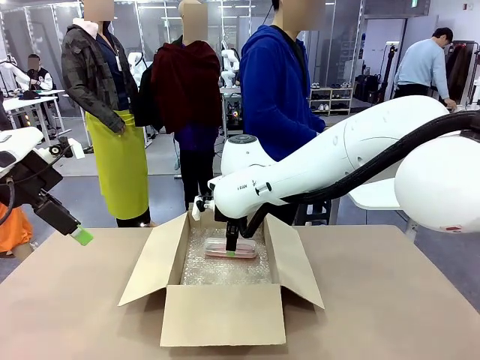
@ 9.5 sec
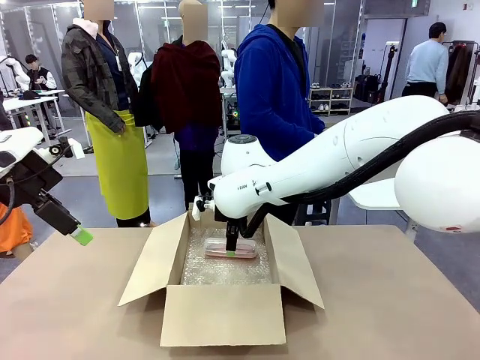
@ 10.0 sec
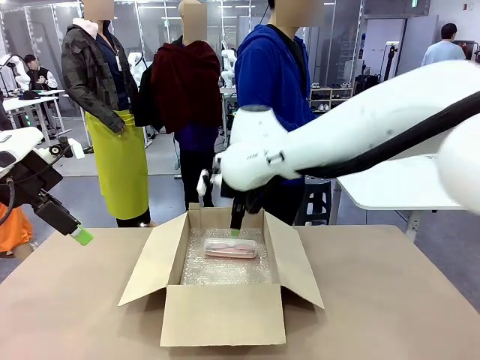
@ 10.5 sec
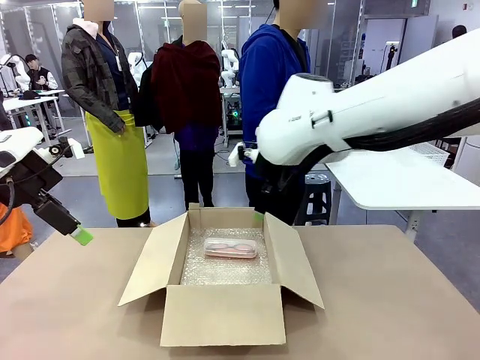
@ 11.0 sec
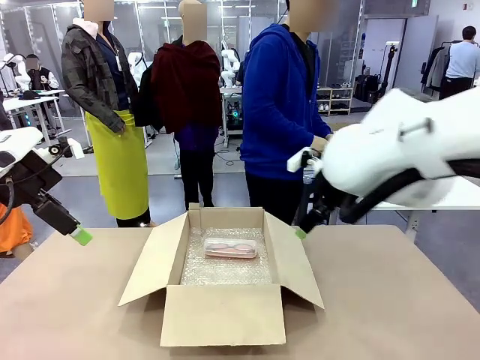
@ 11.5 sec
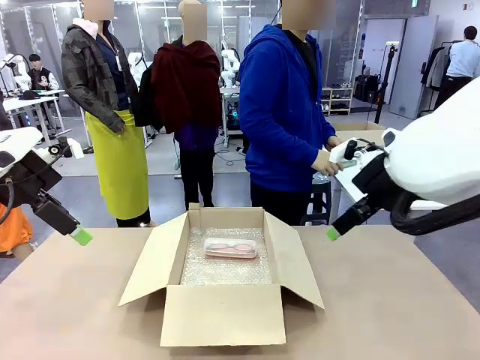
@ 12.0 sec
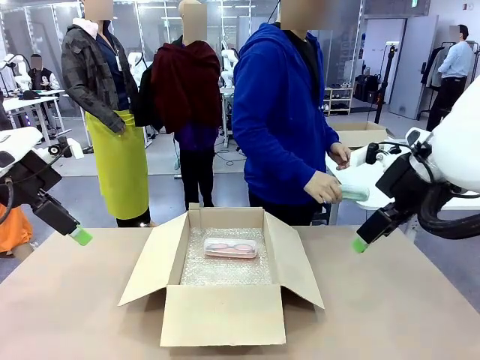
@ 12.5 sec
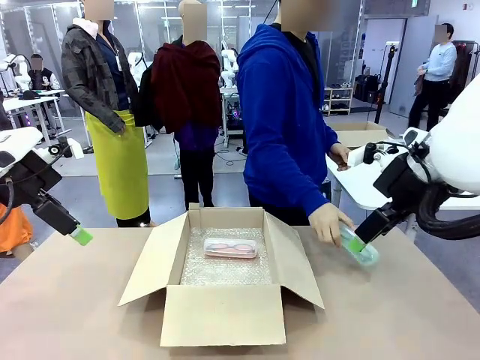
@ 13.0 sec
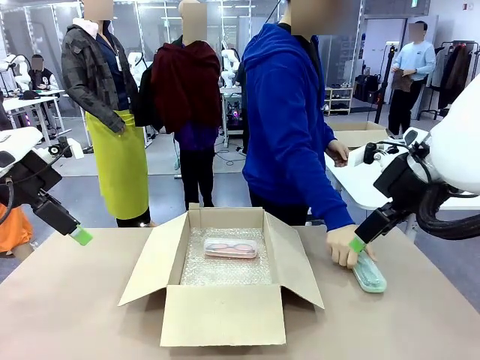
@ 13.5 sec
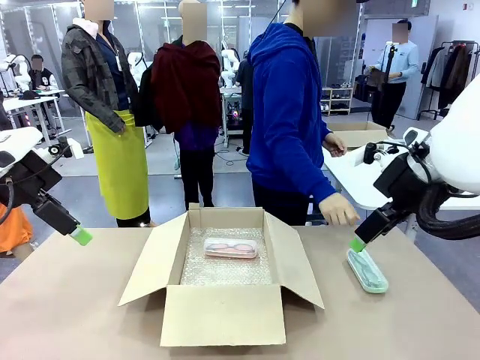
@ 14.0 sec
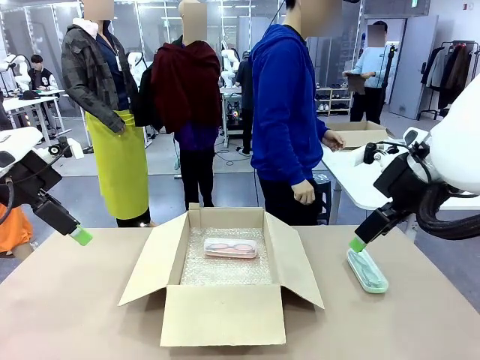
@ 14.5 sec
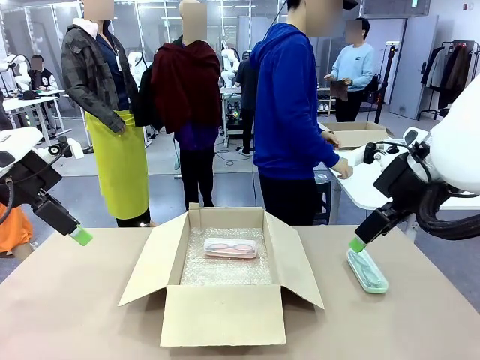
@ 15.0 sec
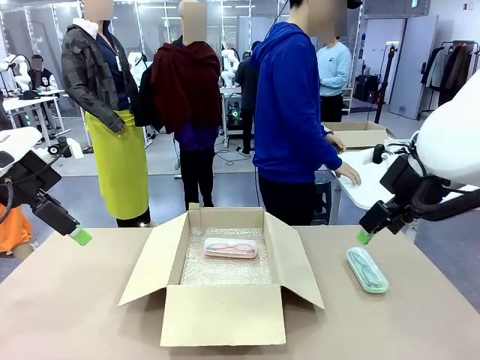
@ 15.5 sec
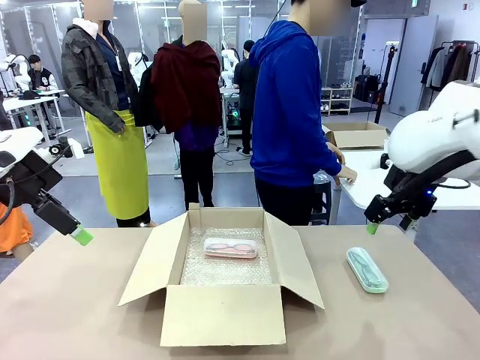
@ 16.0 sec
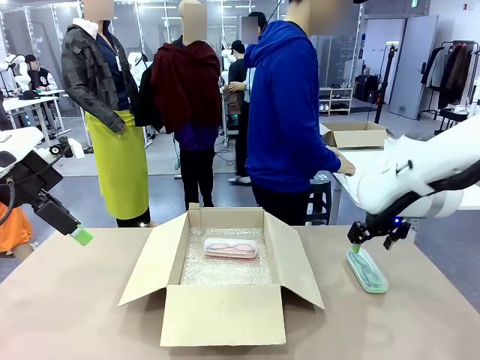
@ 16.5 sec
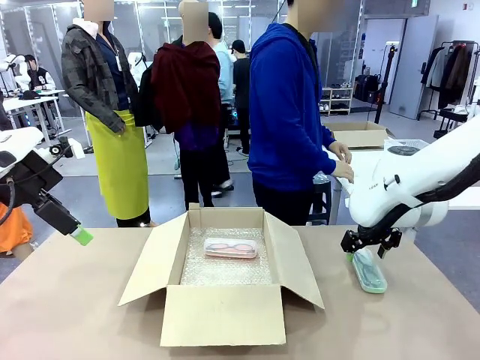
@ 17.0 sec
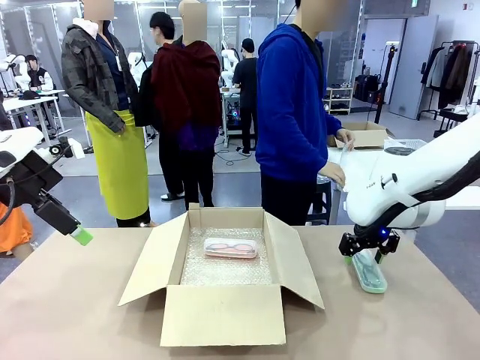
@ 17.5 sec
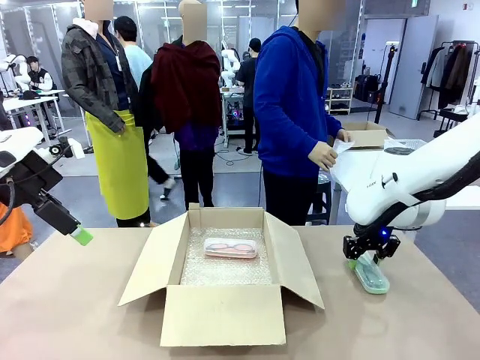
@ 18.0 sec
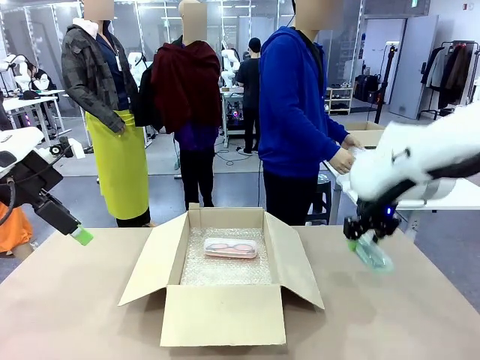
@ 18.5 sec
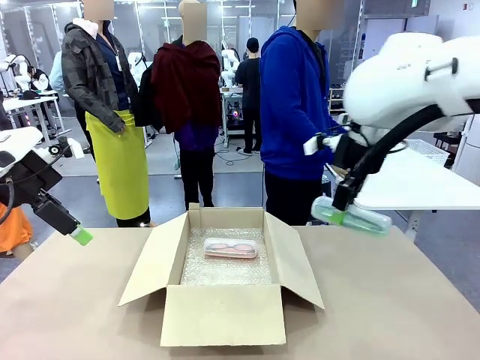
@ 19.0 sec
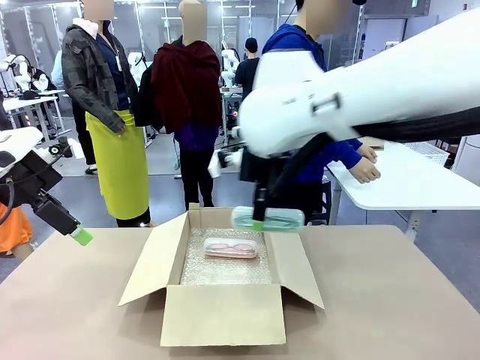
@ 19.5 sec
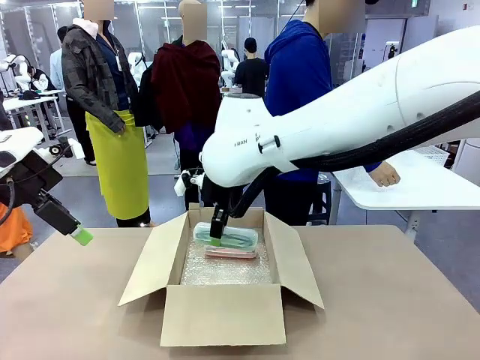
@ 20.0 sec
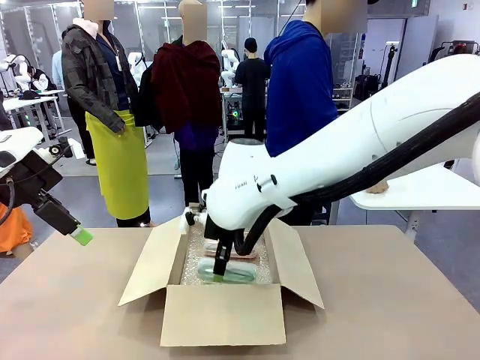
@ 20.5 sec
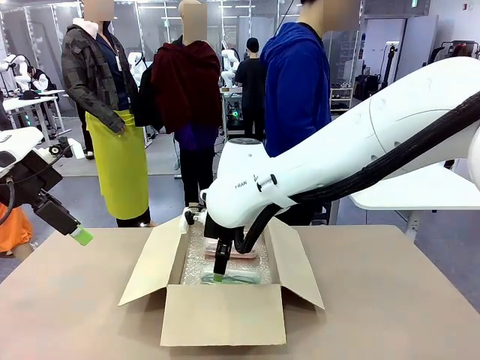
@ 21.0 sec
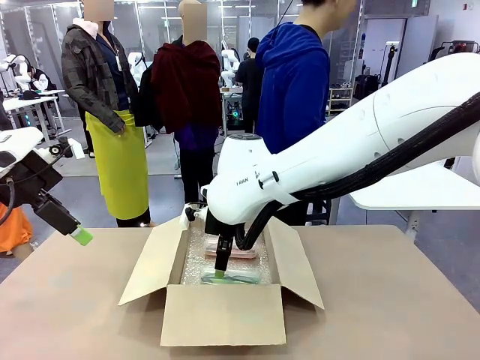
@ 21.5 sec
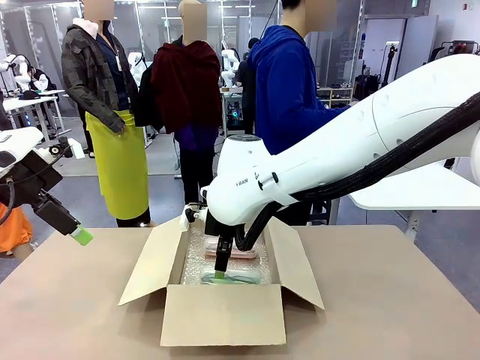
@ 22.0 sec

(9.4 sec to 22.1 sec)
Task: Pack the glasses set securely to prepare it for shipping.
Robot: Put the Glasses case from the right side of the table into the Package Box.
Person: Position the Glasses case on the left side of the robot's table.

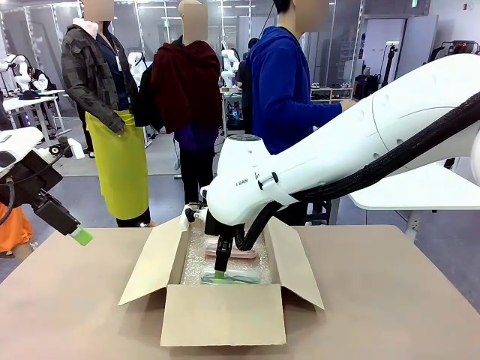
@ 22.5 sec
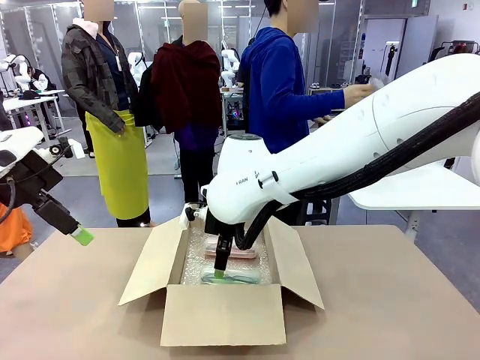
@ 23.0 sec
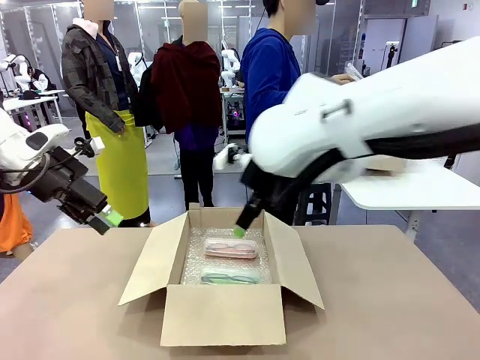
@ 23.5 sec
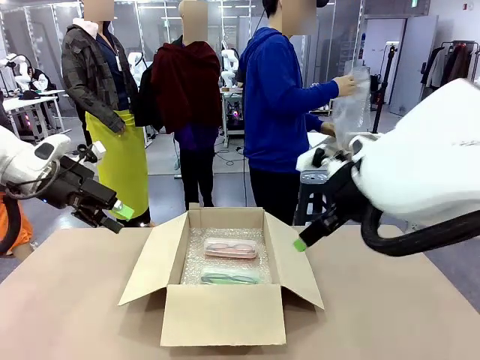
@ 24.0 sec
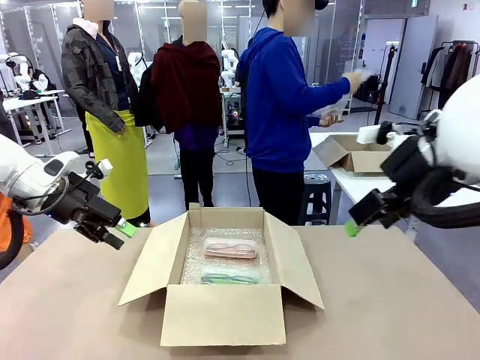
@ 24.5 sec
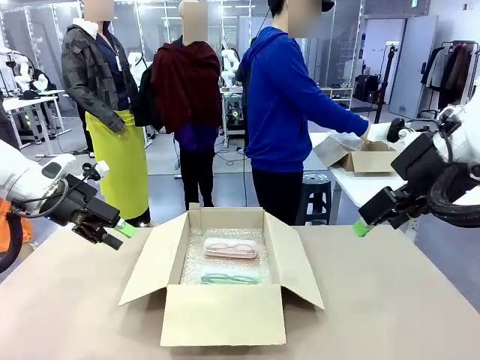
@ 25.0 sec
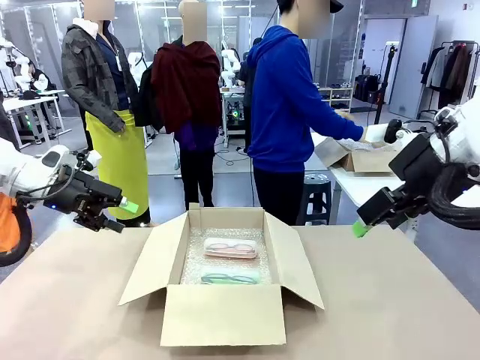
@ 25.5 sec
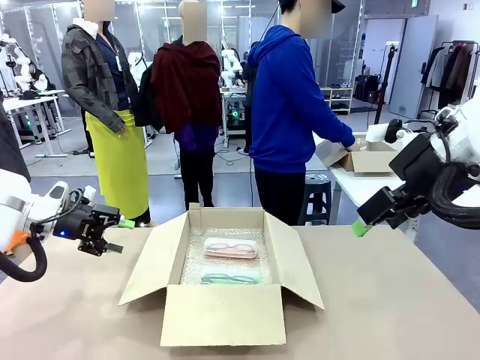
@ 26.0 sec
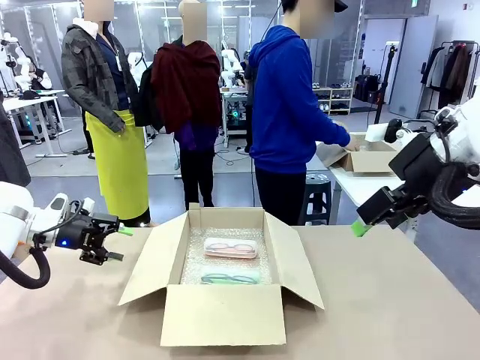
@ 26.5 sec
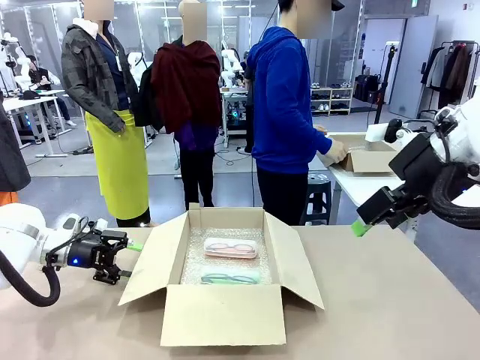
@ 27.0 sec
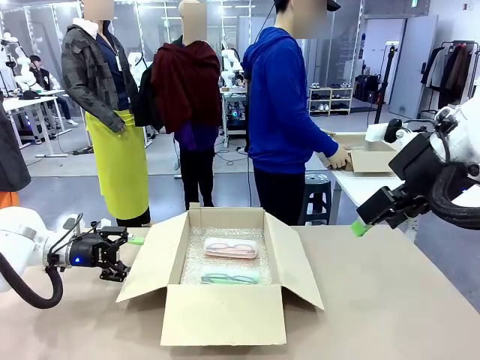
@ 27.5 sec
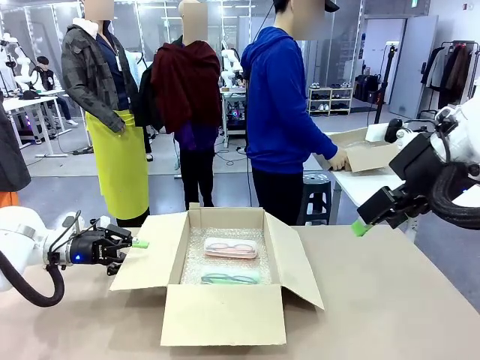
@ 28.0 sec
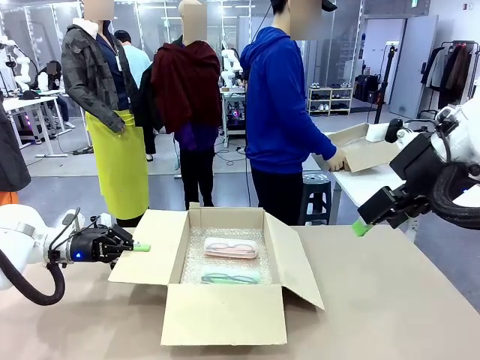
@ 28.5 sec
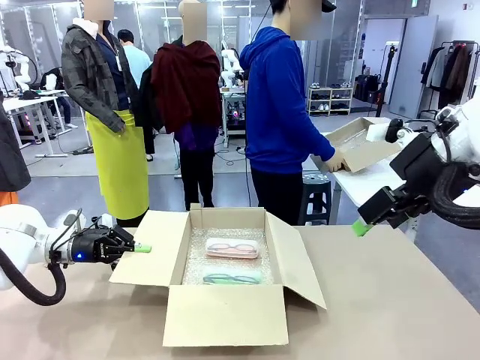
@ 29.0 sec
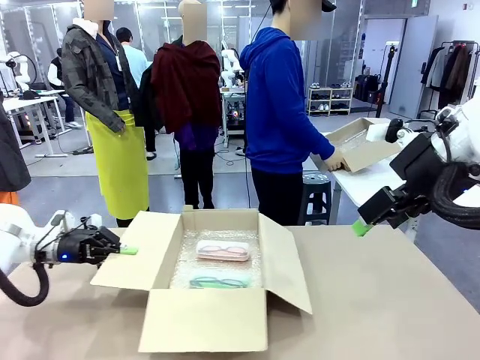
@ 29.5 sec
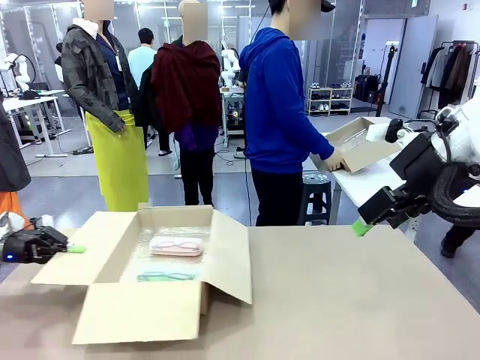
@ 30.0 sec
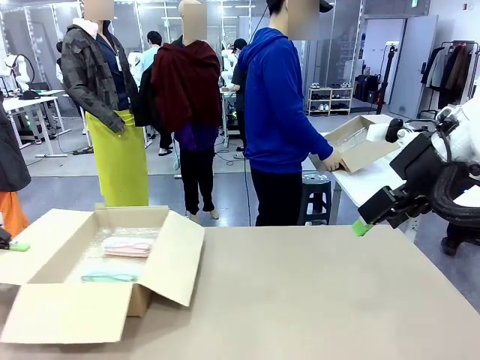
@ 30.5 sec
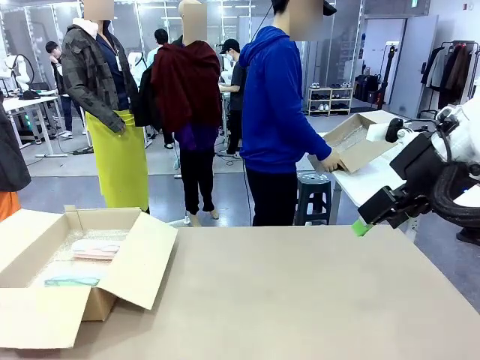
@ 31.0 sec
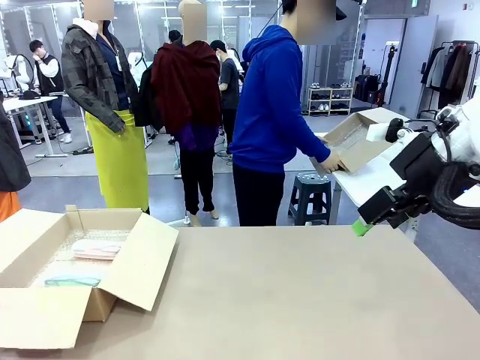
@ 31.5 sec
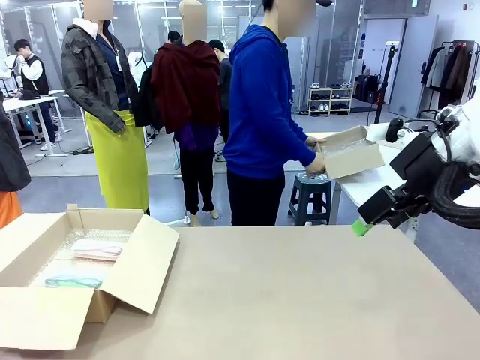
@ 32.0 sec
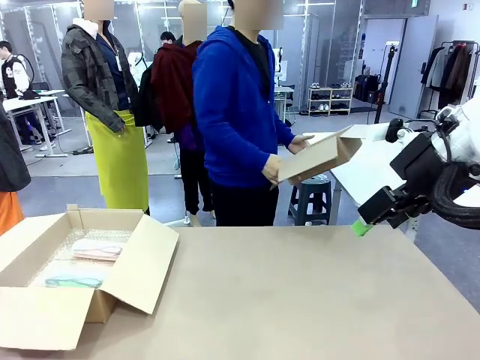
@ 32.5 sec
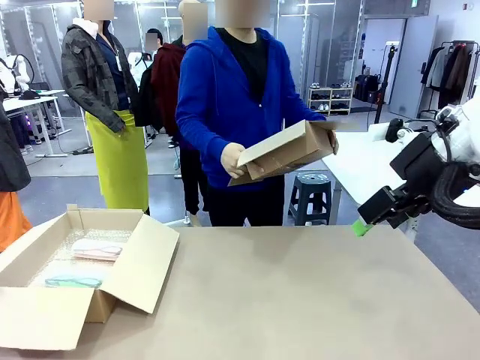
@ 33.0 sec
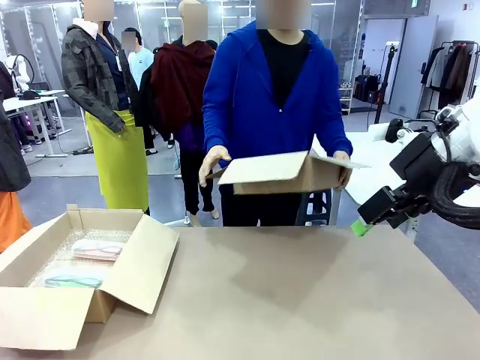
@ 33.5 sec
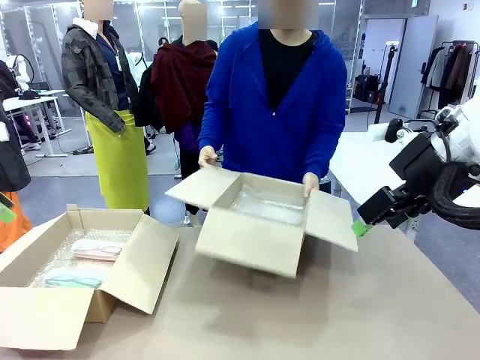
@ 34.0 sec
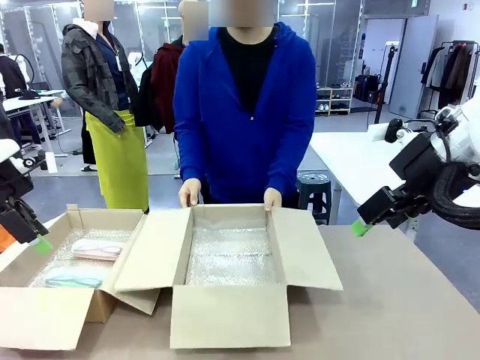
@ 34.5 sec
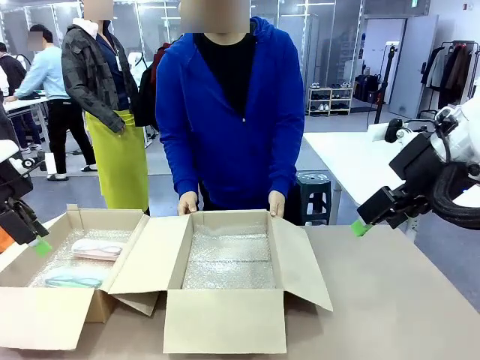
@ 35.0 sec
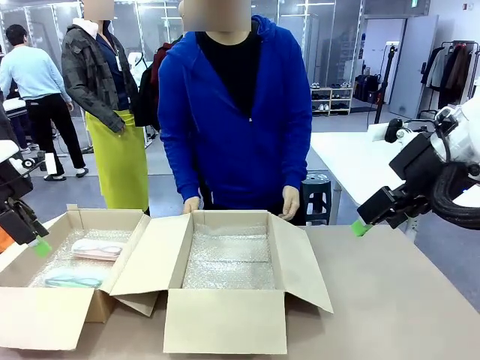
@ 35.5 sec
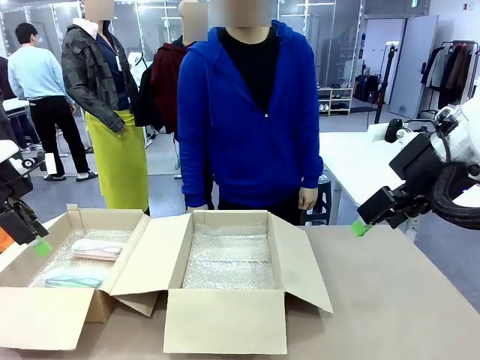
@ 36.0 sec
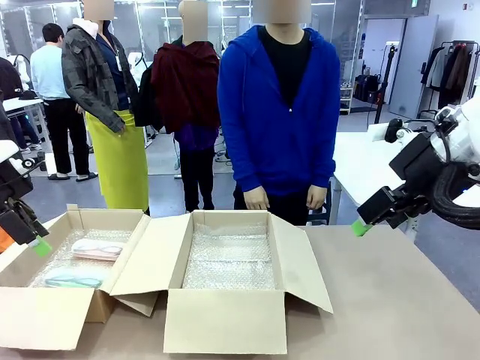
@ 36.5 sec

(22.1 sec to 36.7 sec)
Robot: Position the Package Box on the left side of the table.
Person: Position the empty Package Box in the middle of the robot's table.
